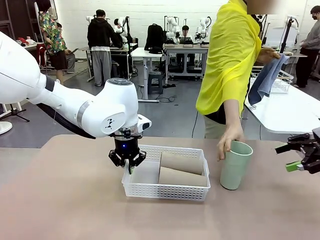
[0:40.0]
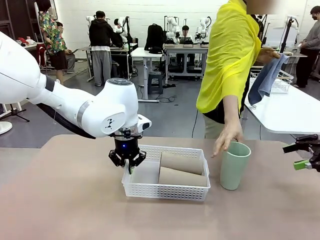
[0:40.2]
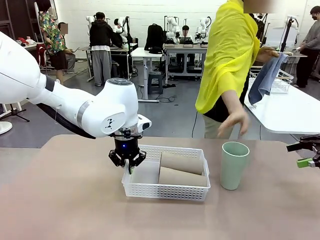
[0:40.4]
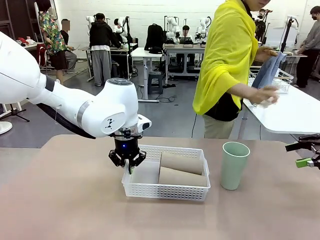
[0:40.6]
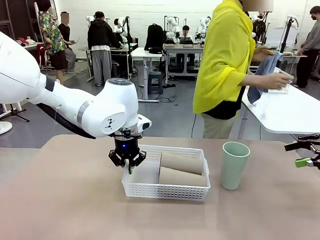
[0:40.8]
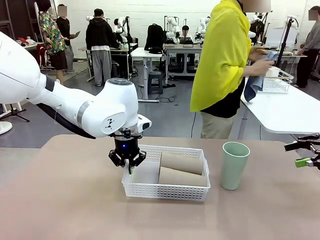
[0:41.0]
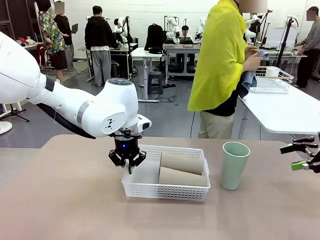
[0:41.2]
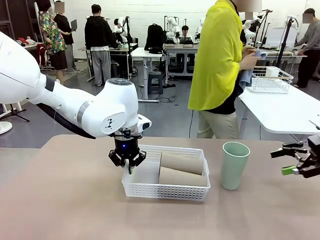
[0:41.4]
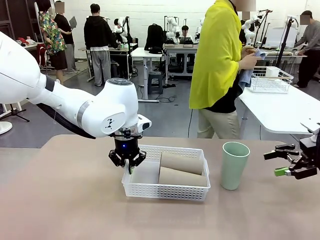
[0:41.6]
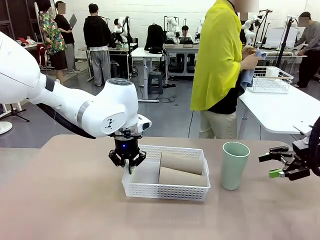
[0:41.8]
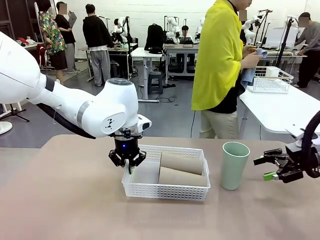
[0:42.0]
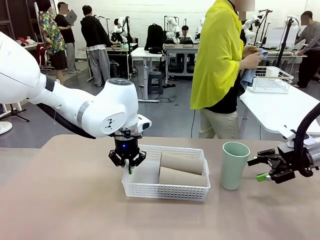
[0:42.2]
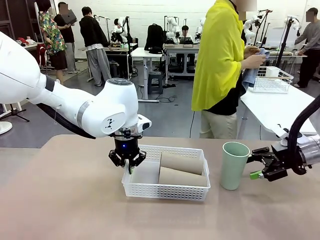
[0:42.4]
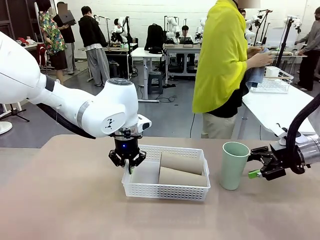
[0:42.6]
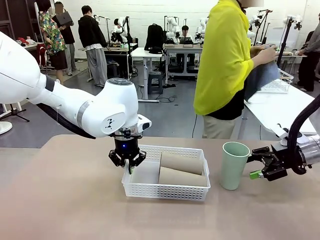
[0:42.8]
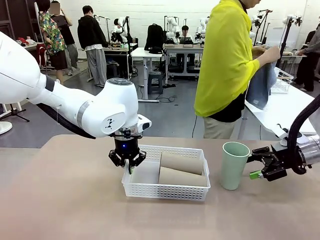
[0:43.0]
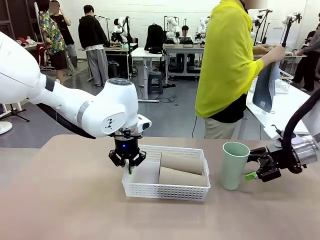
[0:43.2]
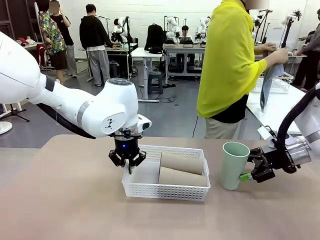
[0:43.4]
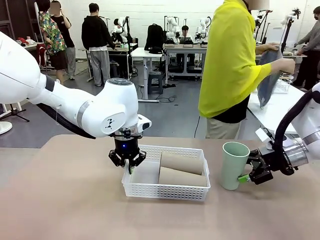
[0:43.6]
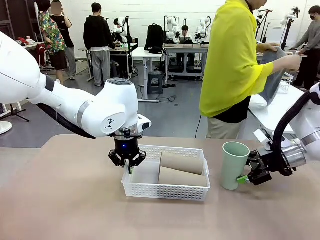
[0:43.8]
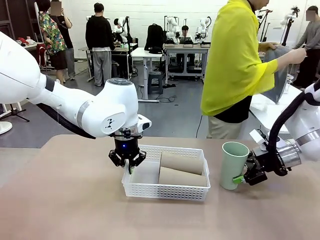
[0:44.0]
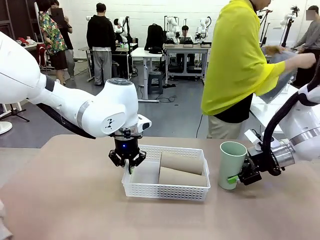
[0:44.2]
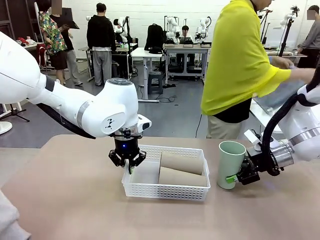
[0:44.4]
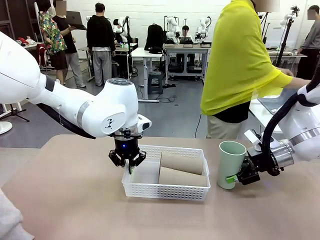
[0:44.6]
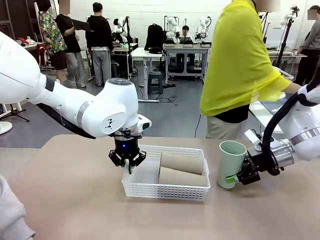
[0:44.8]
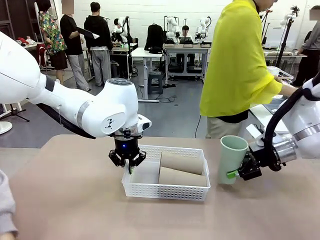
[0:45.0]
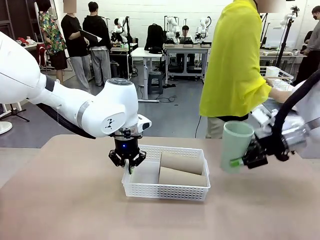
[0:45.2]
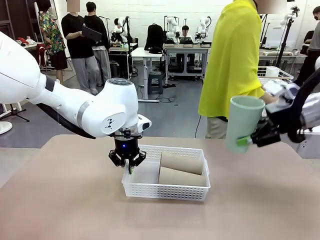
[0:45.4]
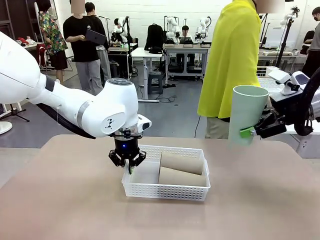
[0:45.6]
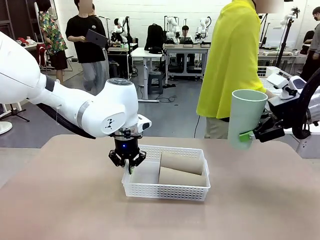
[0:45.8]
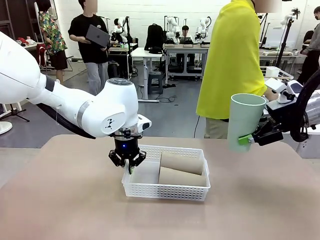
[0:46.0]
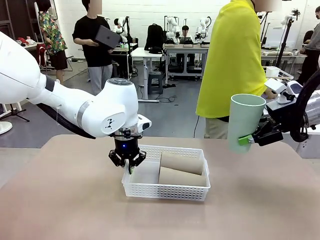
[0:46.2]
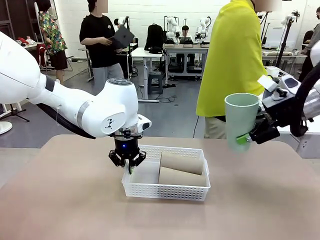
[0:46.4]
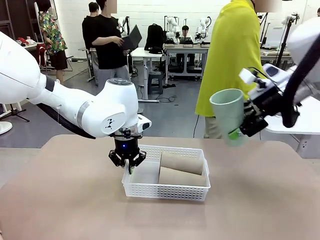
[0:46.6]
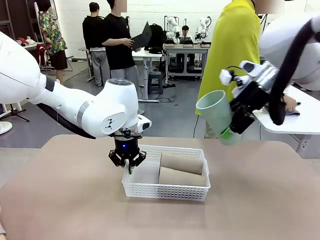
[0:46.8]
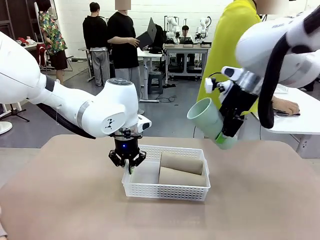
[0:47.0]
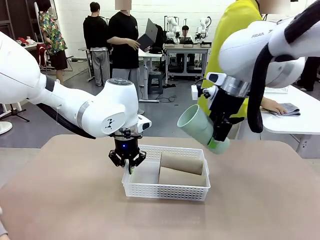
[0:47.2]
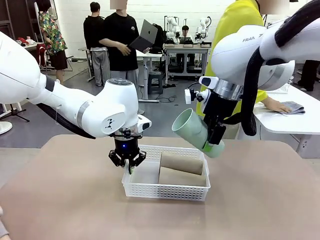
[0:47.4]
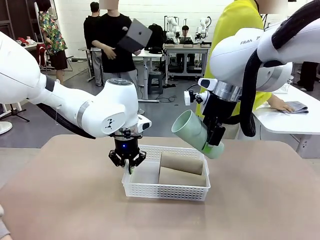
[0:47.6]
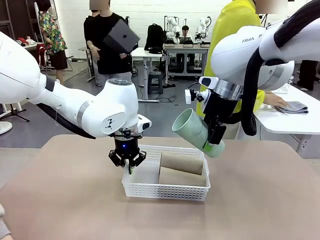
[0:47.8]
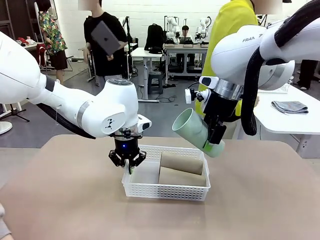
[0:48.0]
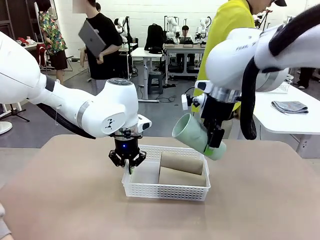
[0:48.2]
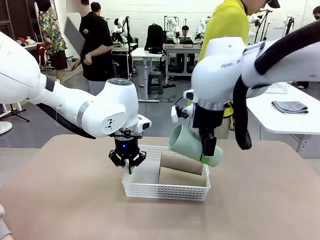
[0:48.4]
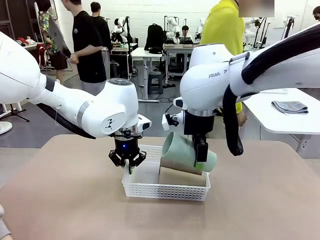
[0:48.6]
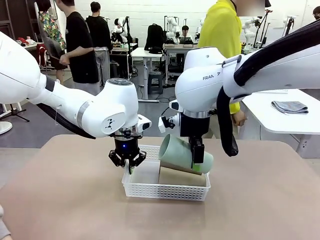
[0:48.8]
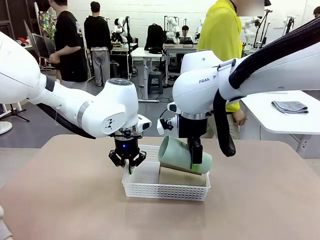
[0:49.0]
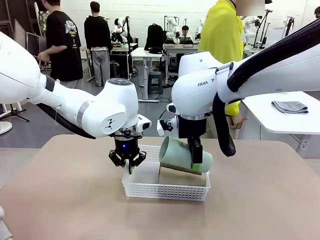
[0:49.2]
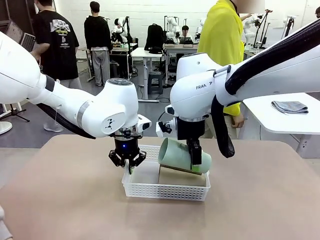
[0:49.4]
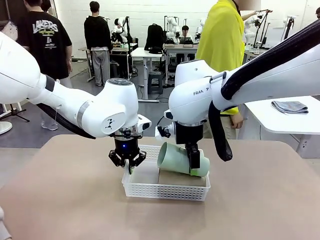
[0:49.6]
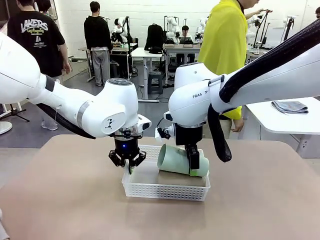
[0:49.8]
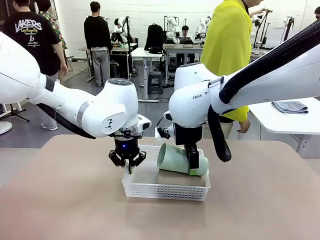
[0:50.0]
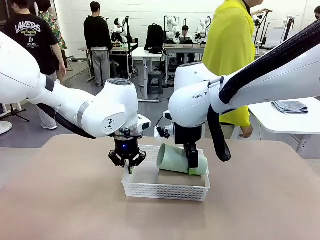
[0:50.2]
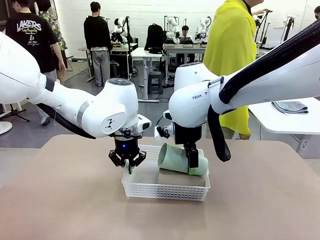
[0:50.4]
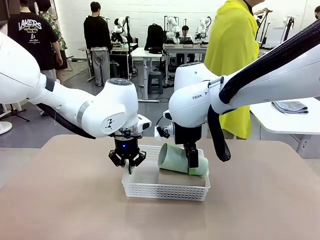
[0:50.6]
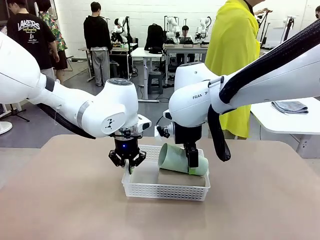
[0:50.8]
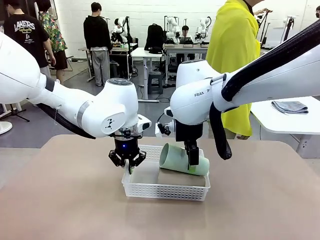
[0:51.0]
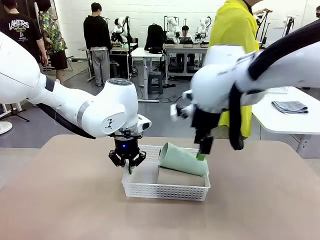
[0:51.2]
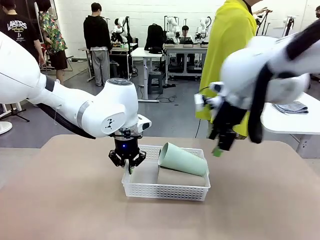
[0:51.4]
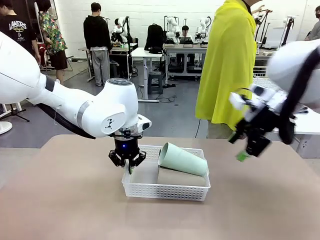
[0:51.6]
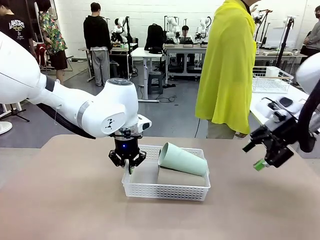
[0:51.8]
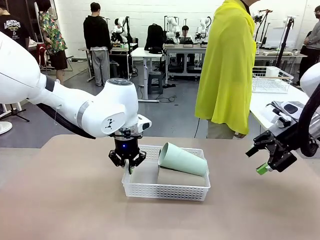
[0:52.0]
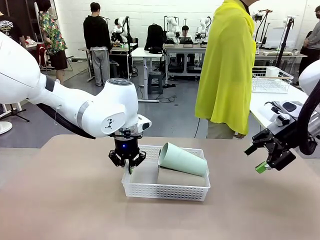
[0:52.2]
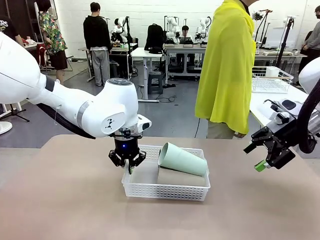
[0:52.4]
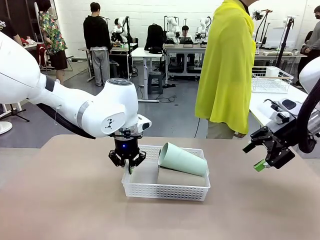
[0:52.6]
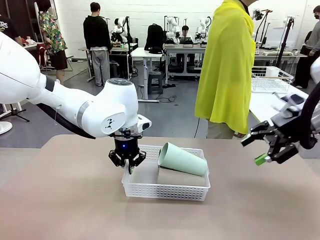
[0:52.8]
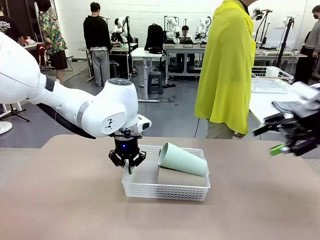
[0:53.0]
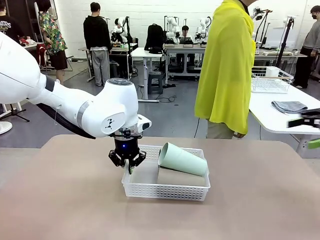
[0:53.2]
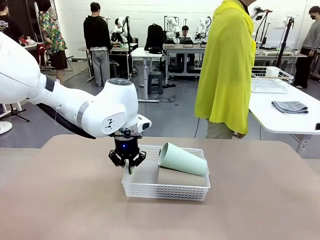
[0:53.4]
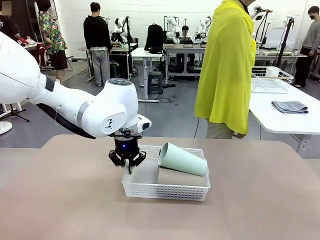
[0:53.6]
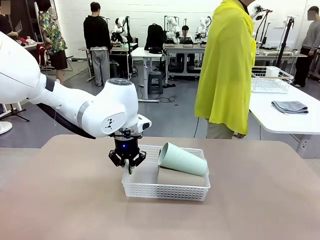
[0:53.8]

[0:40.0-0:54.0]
Task: Clean and organize the cups into the basket.
Robot: Pick up the Reusable plastic cup from the right side of the table and stack it inside the Organizing basket in the center of the table.
